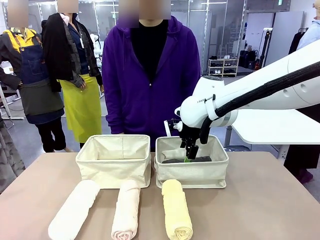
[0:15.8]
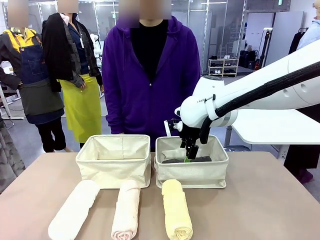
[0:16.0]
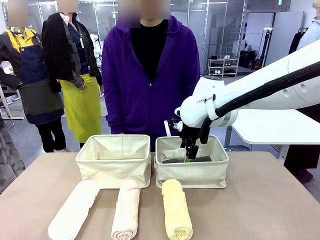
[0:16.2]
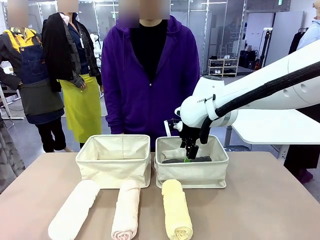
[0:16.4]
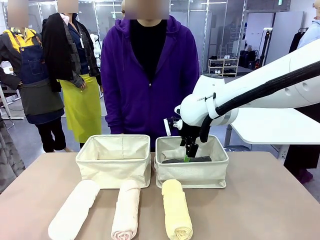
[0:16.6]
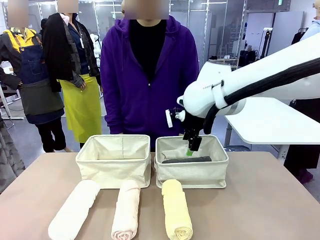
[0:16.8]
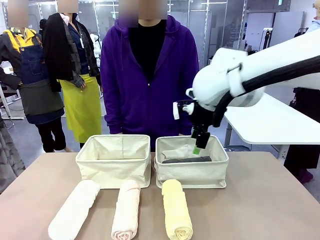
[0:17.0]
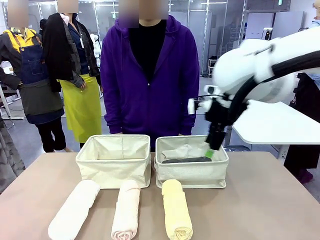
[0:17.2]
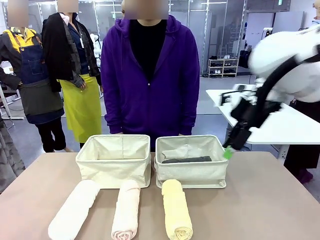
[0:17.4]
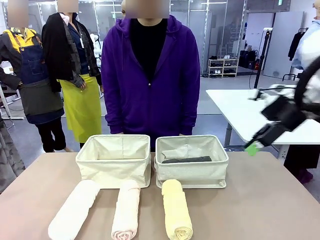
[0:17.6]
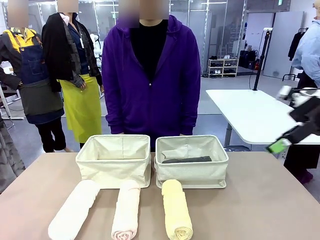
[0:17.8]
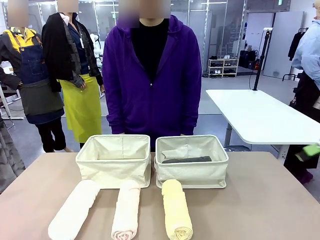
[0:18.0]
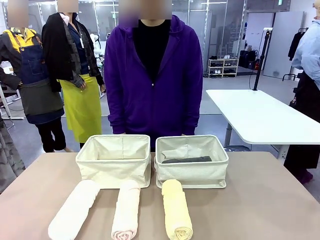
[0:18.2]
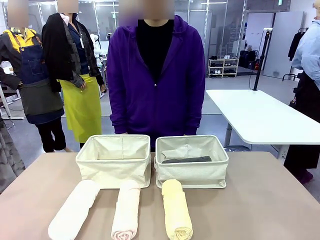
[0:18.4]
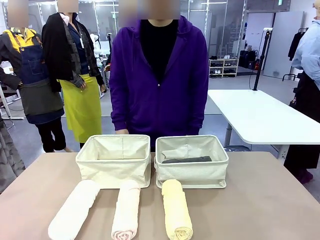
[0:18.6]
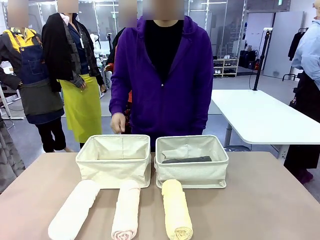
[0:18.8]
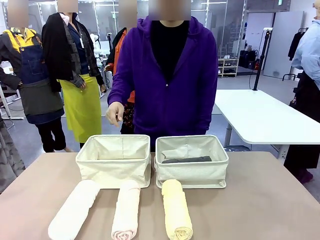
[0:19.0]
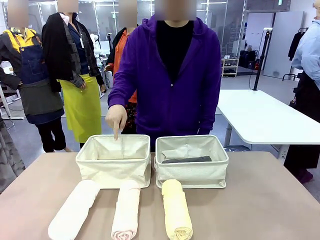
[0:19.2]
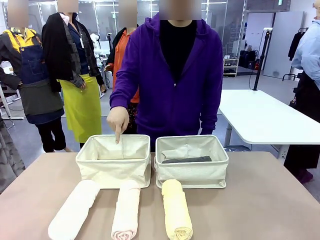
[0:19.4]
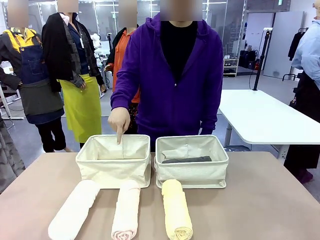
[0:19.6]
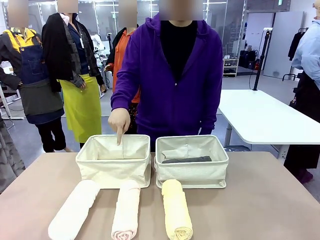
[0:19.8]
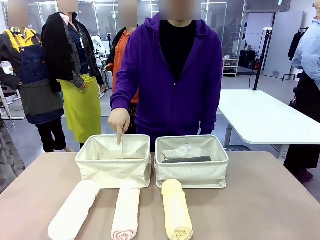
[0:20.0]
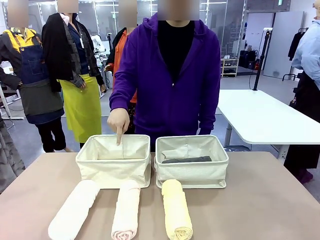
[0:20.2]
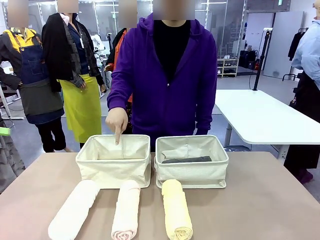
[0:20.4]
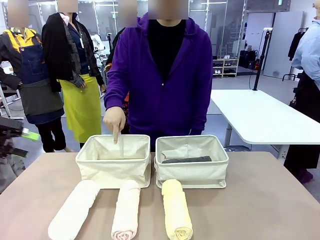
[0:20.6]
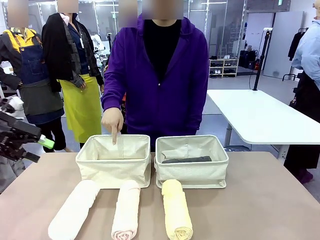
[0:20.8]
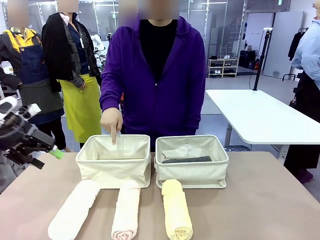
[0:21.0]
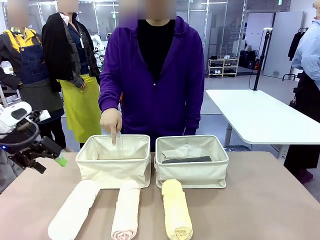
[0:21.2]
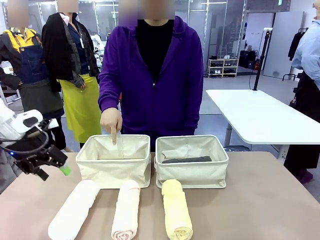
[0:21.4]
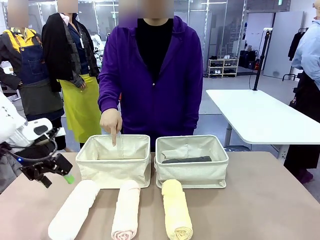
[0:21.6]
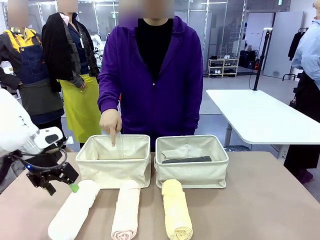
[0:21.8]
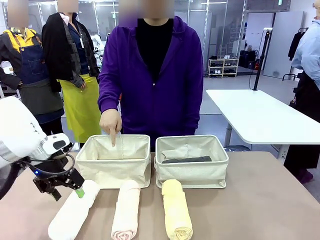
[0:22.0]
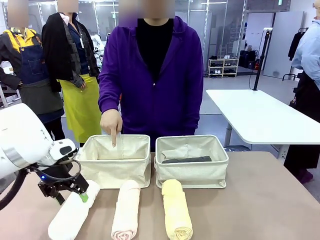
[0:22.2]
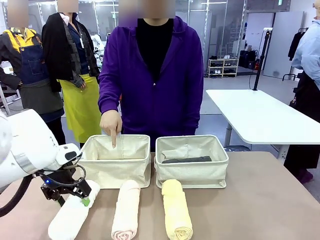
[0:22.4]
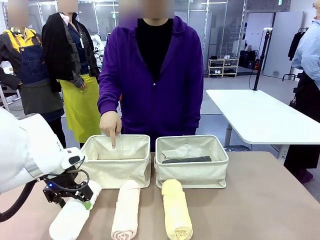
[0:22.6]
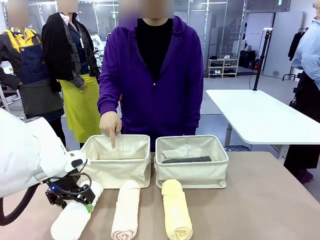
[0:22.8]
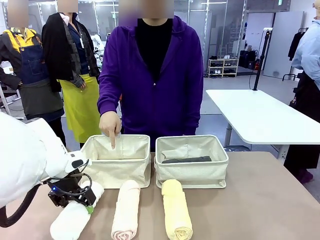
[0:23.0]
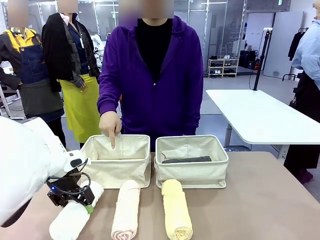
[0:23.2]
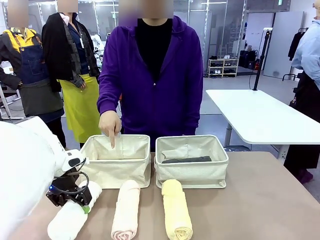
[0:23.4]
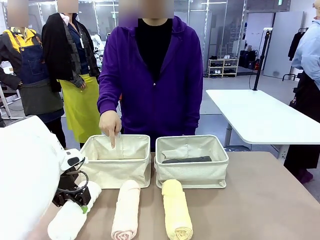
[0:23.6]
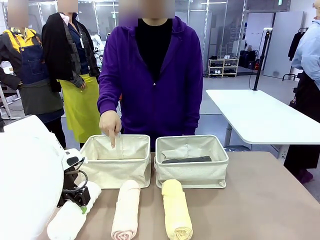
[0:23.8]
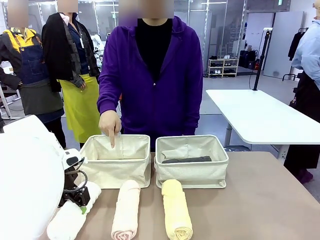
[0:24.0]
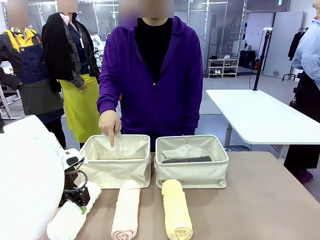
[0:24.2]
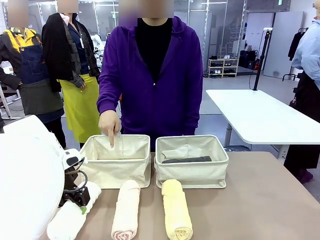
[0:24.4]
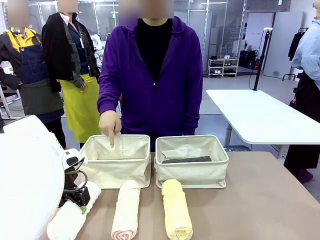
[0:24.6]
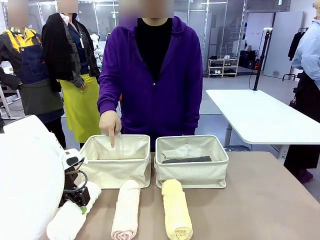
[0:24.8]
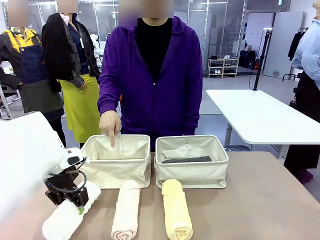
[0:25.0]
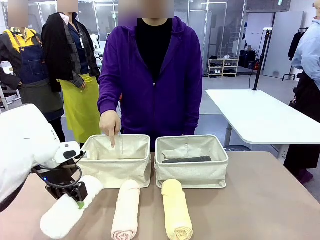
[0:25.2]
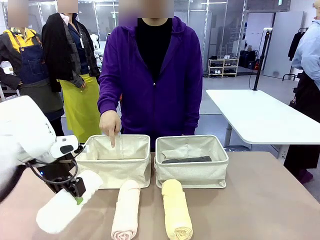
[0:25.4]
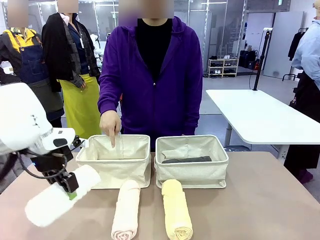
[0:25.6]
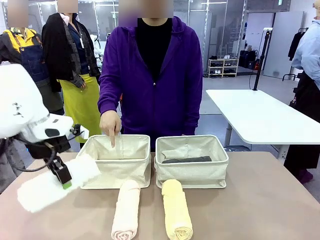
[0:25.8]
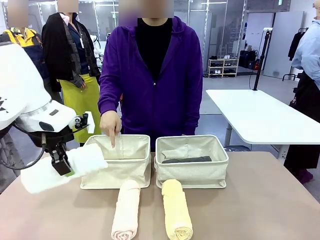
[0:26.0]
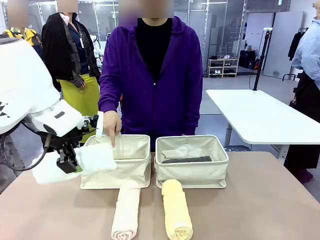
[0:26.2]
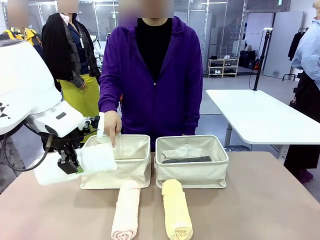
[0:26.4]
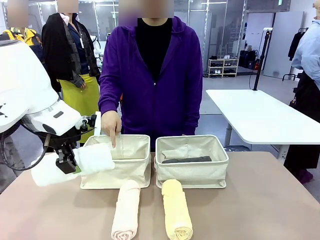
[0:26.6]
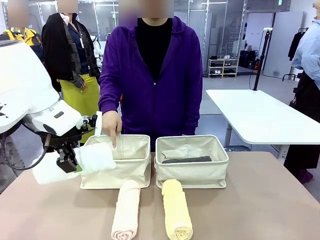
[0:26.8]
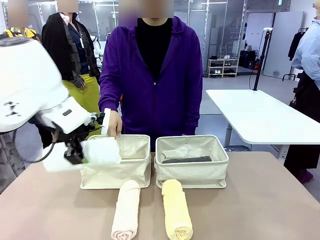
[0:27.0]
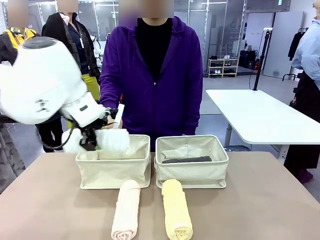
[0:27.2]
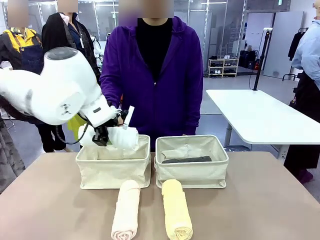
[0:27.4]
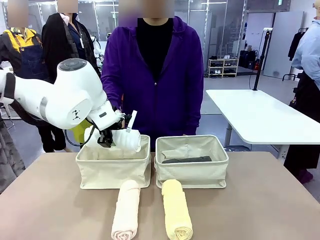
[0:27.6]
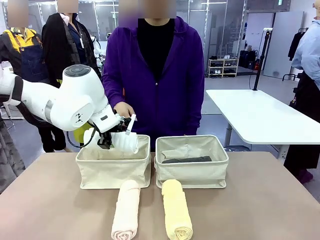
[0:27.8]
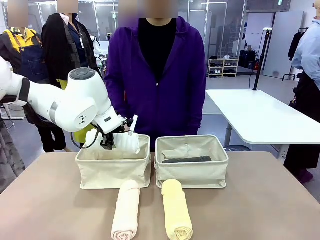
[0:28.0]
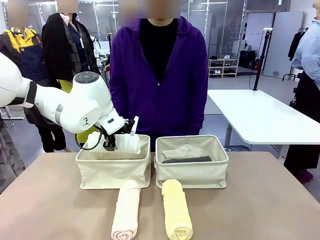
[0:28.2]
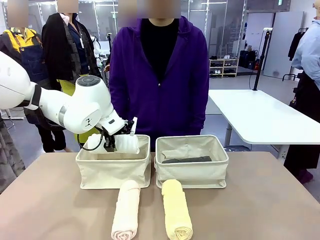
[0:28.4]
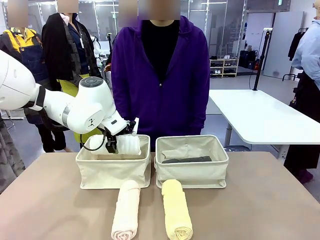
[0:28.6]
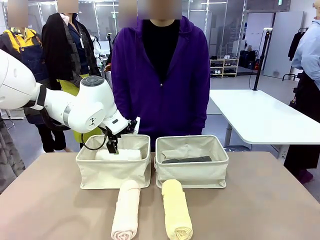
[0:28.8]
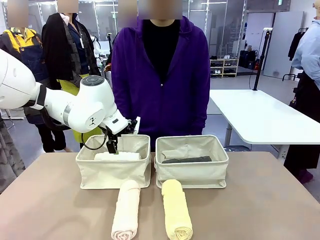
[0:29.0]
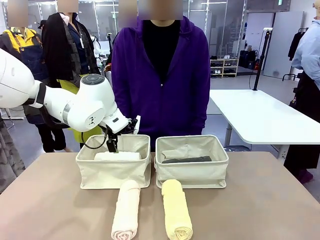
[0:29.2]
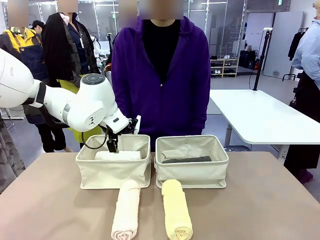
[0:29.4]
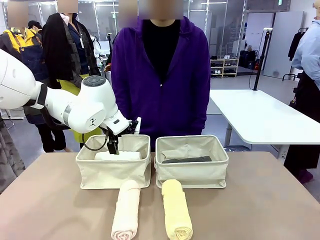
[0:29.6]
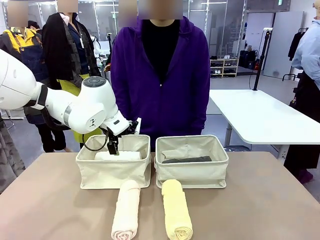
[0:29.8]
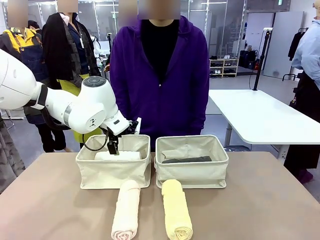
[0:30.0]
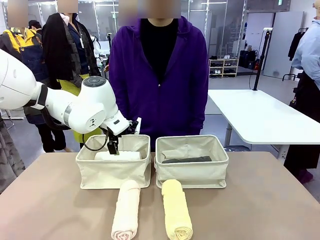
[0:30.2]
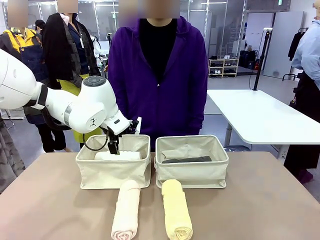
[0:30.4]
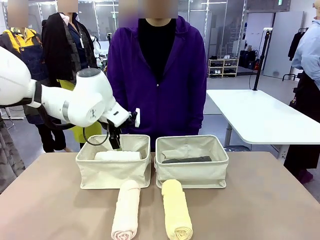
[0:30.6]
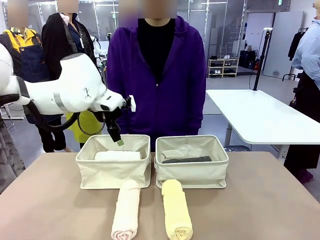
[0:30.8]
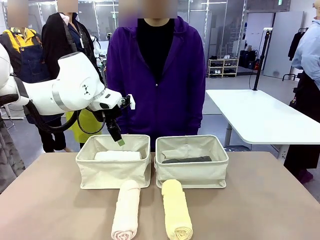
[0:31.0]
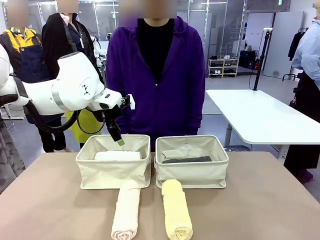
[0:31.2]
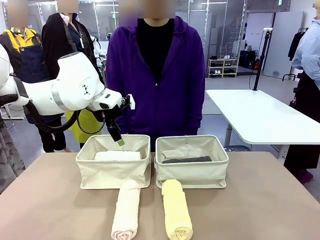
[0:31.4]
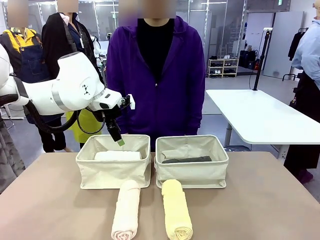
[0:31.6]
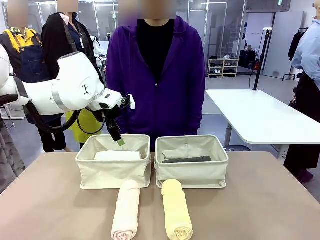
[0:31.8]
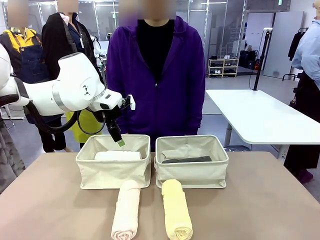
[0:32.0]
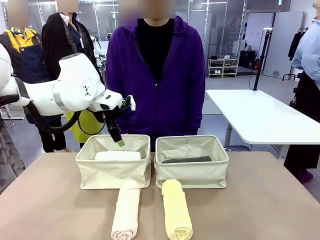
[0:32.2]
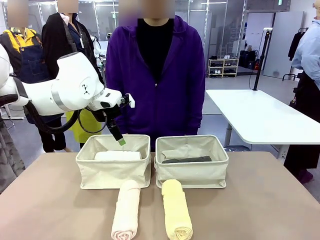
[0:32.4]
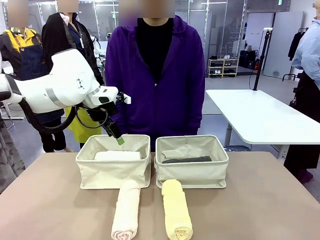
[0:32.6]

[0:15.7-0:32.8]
Task: Divide the towels into two baskets.
Robot: Pick up one hotel-folded towel from the bottom of the table and place it in the Fabric basket indicated by the person.
